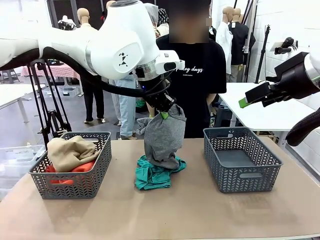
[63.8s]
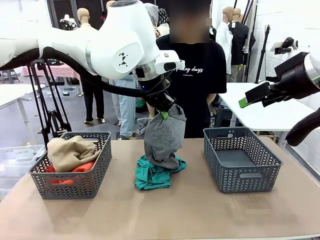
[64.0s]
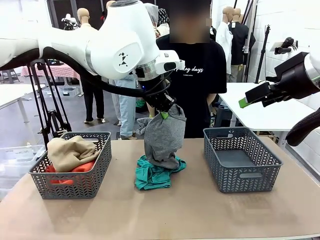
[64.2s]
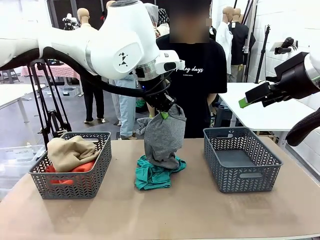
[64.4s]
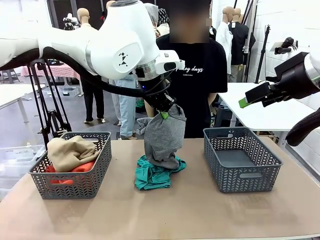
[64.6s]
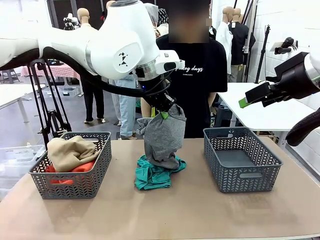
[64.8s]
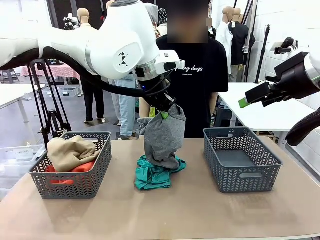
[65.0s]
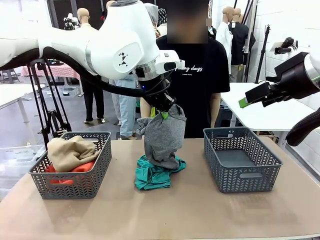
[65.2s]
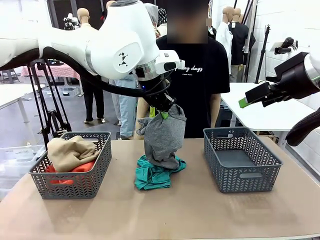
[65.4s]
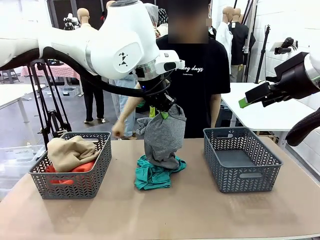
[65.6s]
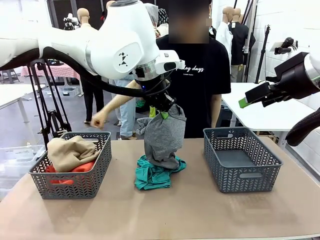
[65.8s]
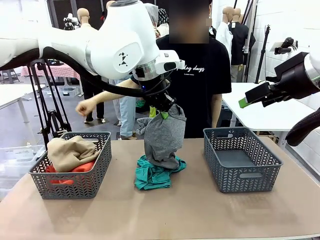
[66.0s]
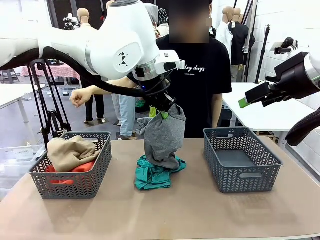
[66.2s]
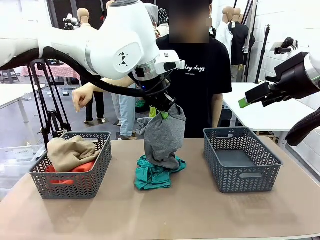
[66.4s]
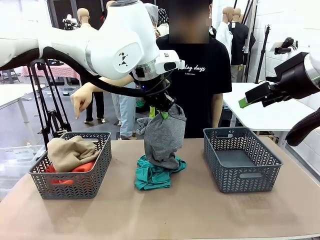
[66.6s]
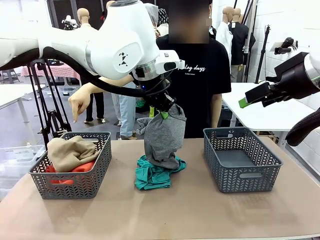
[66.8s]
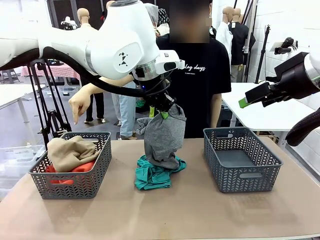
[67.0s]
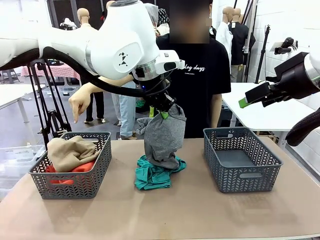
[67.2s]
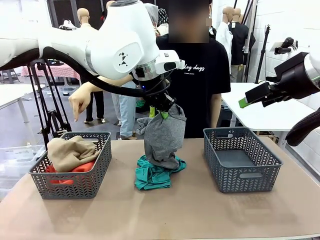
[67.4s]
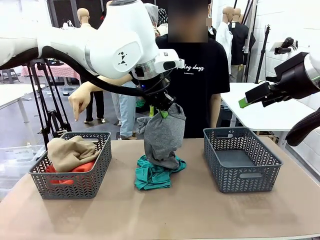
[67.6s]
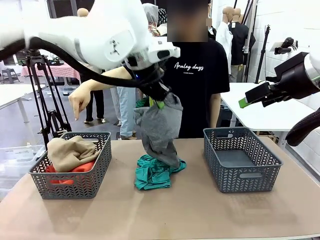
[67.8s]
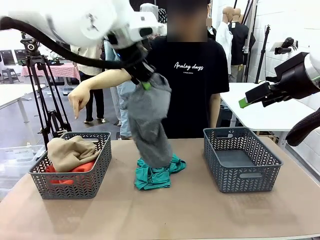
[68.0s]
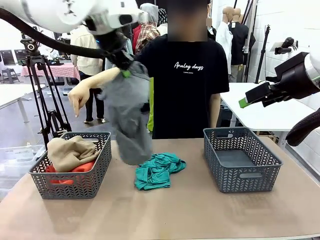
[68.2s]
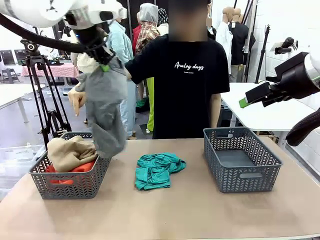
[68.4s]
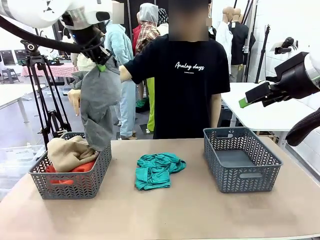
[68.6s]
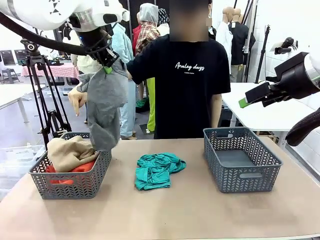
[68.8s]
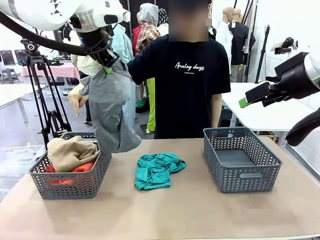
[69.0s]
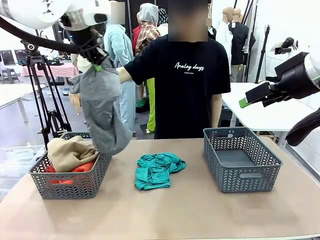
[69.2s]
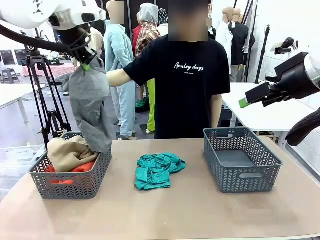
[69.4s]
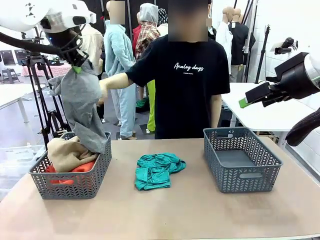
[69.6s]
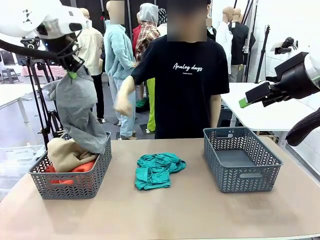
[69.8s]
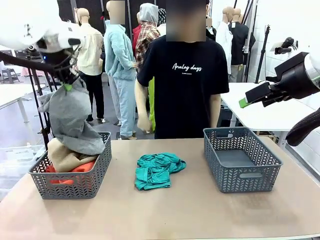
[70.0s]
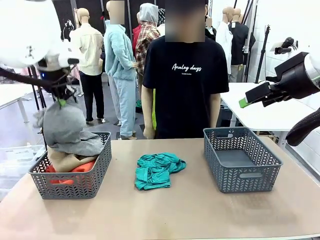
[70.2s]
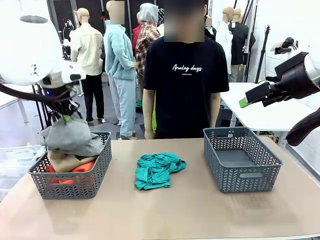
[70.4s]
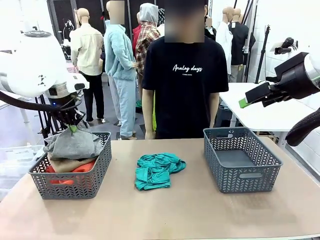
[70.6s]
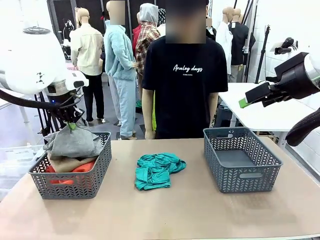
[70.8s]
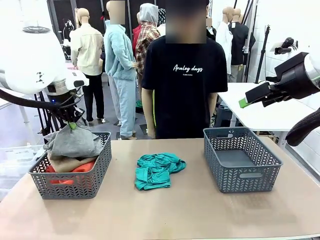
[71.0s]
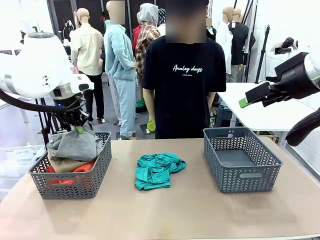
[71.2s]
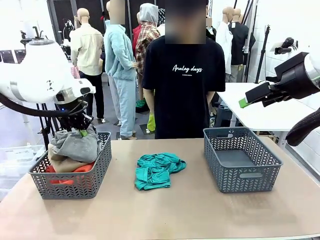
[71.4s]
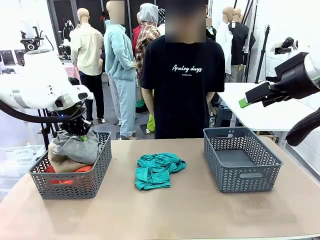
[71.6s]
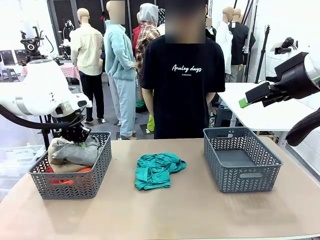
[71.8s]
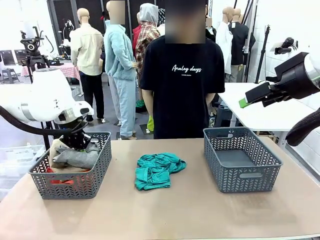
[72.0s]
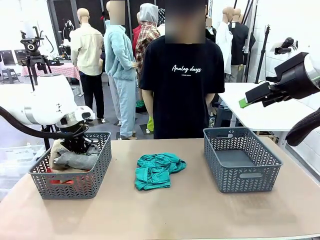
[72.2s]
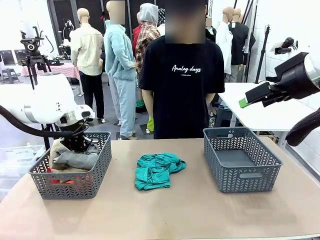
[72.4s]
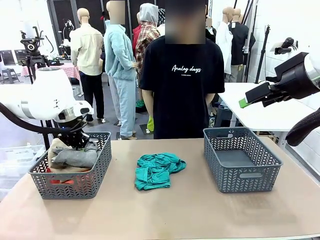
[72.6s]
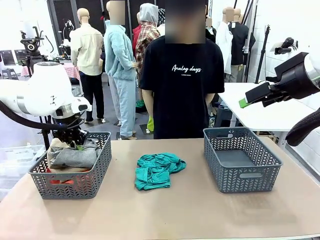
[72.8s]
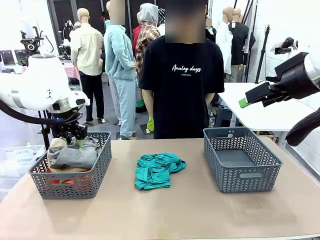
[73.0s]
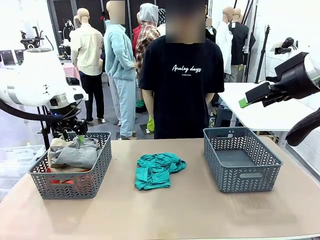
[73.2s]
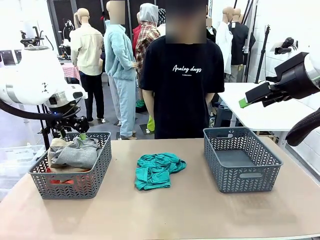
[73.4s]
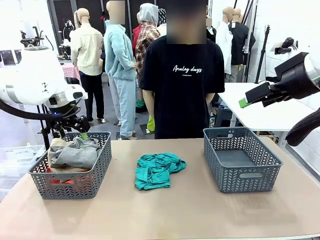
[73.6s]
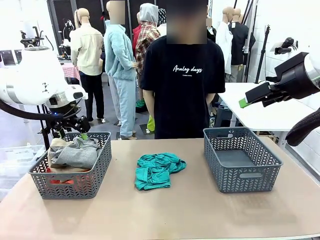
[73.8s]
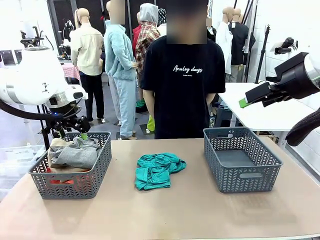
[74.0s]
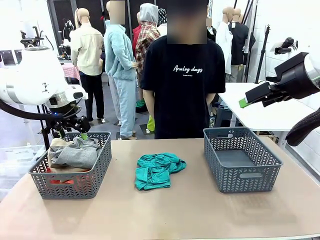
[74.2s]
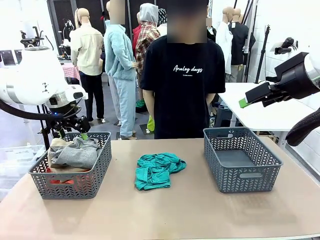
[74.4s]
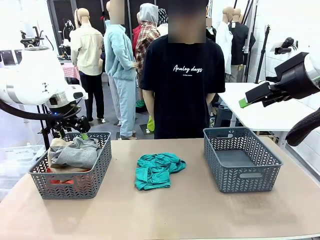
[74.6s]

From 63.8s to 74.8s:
Task: Sort the tops and bottoms.
Robot: Sort the clothes according to human instructions.

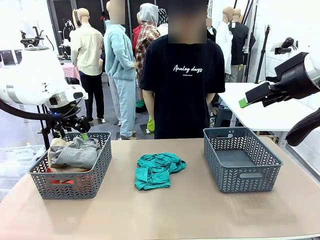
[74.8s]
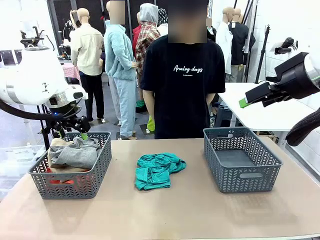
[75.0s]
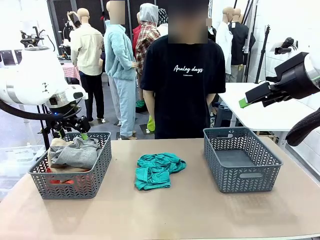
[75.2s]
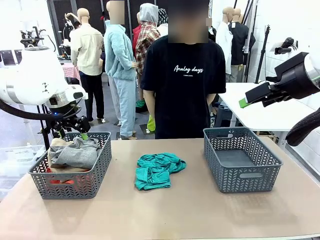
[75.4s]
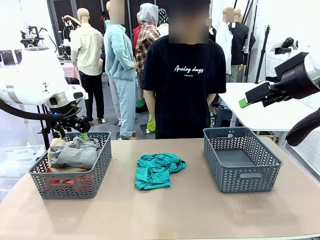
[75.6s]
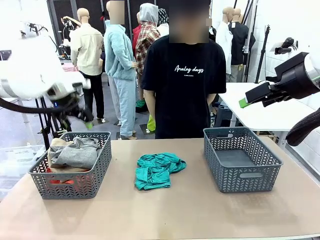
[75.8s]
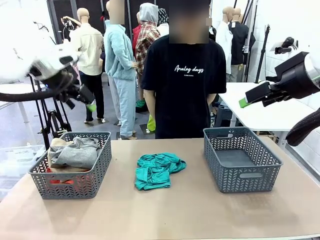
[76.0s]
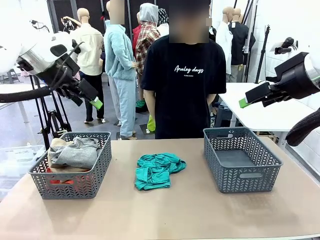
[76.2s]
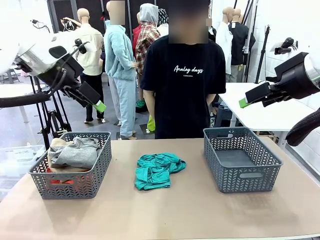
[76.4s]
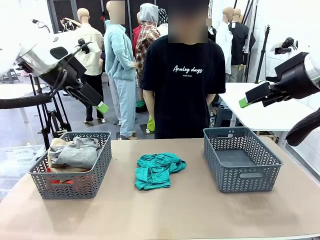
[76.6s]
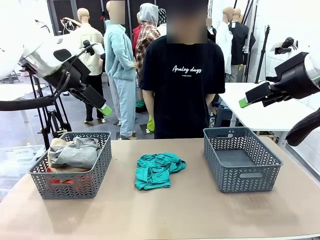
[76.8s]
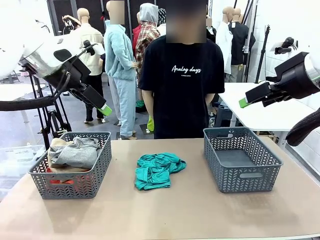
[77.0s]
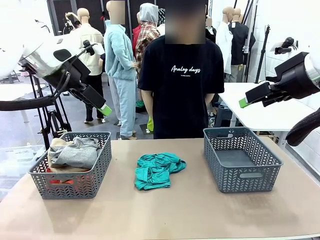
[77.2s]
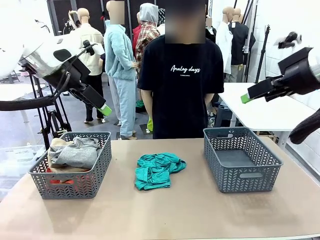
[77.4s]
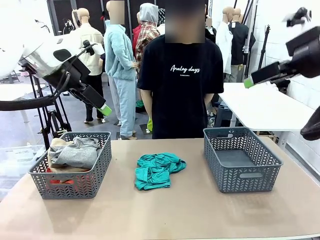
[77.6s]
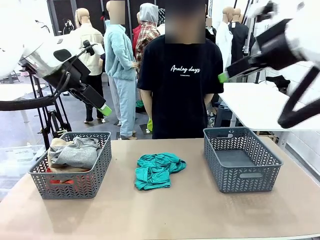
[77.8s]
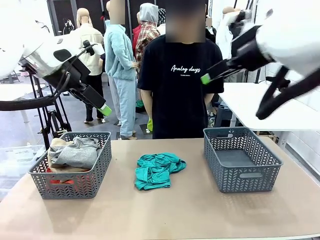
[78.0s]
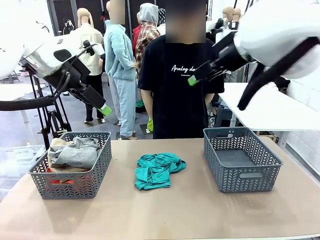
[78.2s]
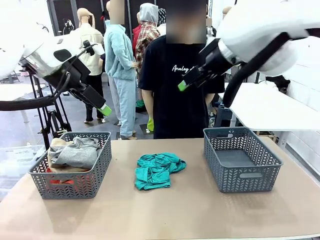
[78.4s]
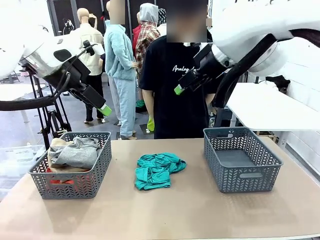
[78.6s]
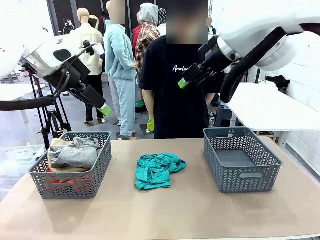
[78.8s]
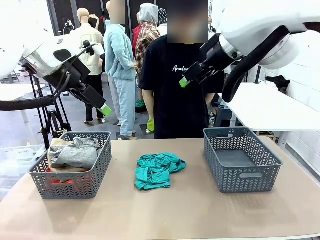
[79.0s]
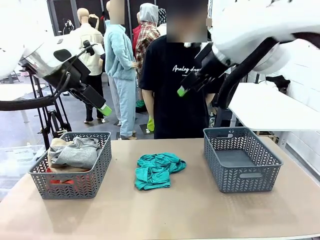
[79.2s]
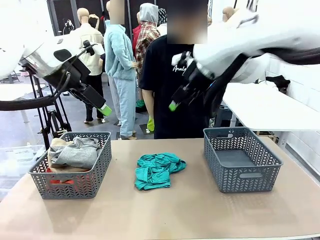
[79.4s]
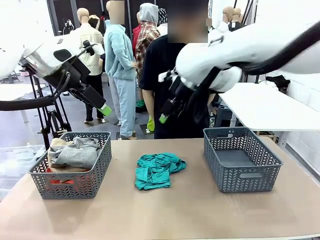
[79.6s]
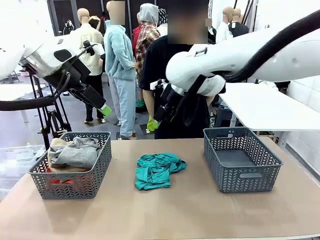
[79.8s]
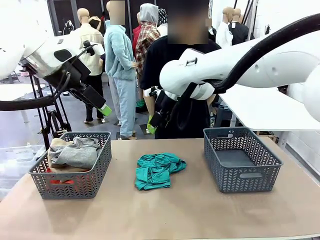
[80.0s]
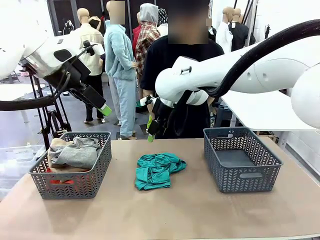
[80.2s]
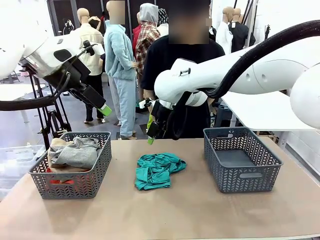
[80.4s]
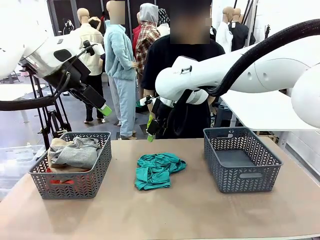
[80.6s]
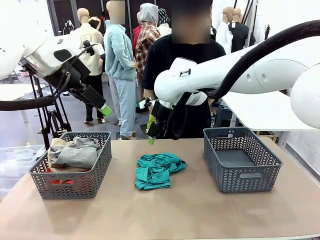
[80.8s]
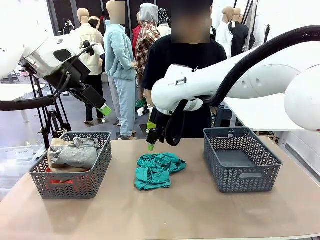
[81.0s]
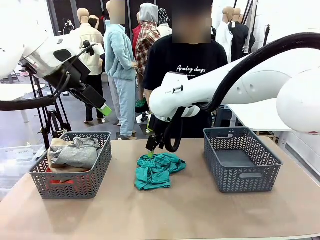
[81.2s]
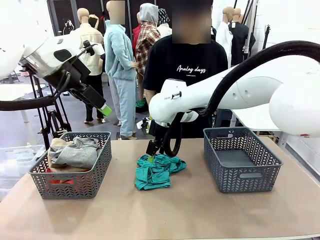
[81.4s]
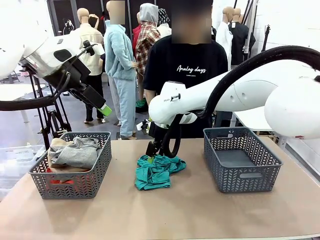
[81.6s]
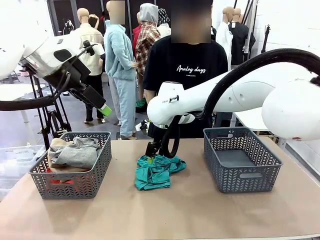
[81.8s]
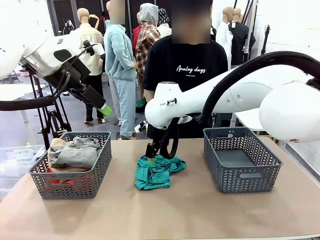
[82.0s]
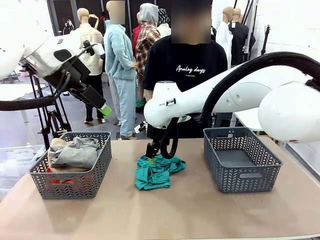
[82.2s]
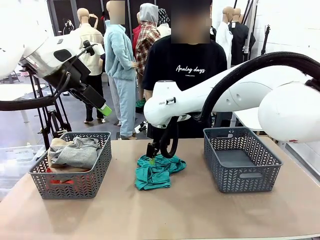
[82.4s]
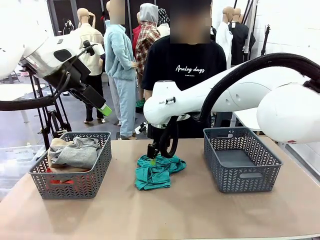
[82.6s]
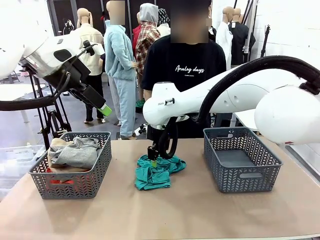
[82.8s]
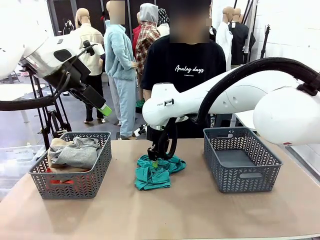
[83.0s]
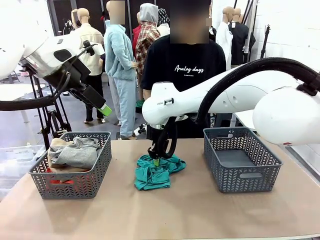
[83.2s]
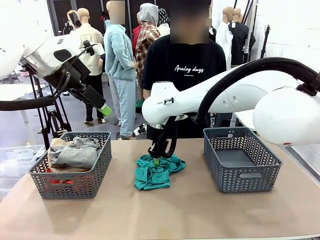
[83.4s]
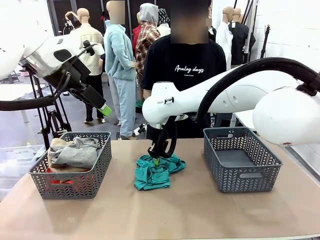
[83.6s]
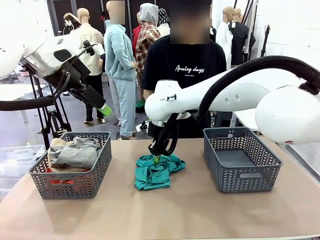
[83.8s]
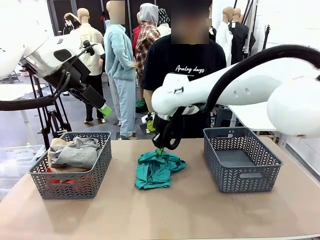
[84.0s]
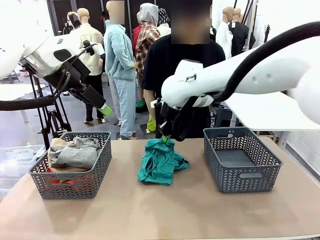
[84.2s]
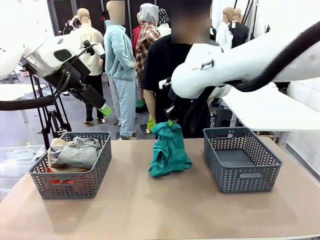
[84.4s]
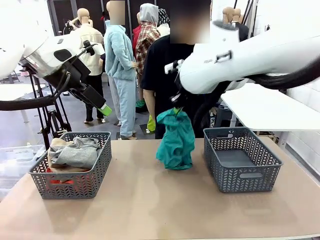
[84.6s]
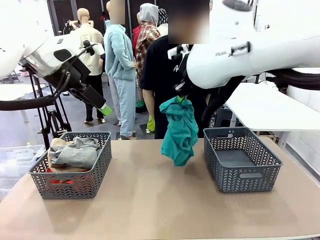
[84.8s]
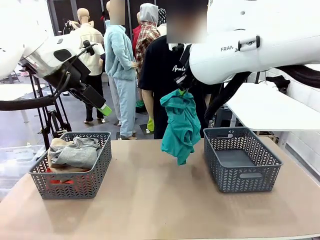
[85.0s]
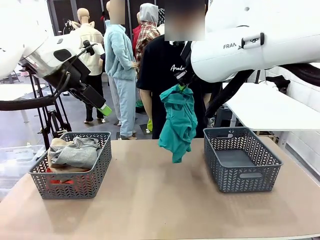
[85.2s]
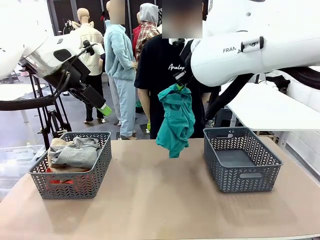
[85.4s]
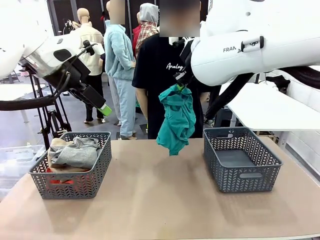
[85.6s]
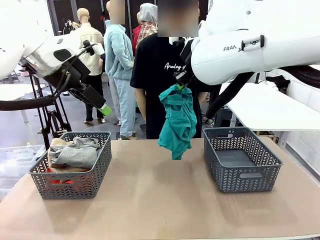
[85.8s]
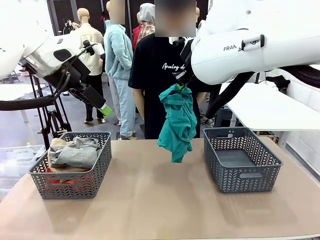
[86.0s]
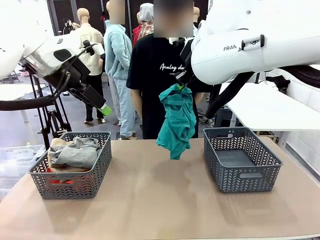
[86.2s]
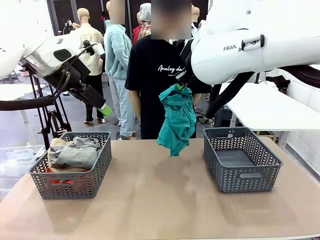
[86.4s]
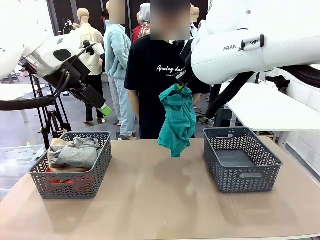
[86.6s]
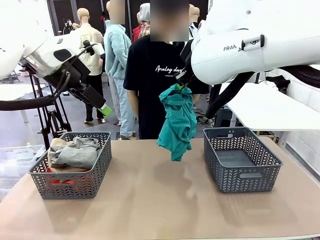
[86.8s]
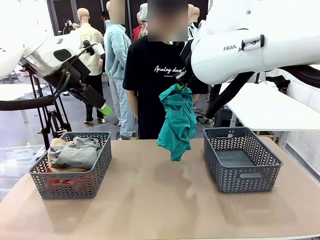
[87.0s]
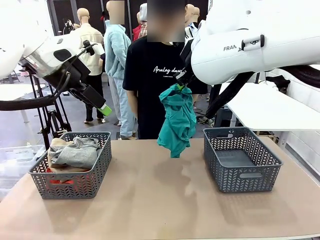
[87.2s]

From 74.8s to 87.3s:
Robot: Lift clothes from the center of the table with your right hand.
